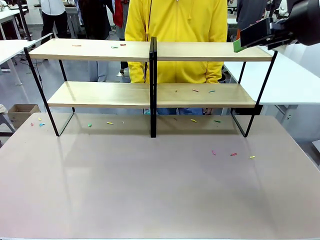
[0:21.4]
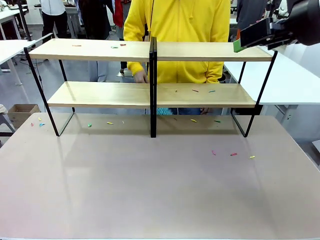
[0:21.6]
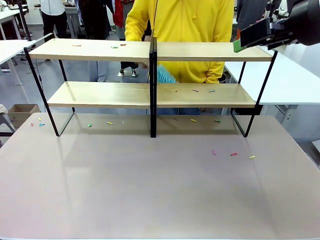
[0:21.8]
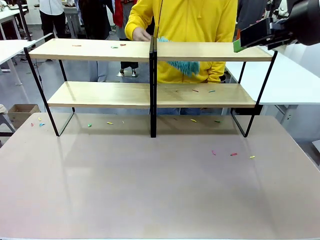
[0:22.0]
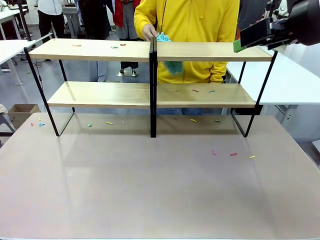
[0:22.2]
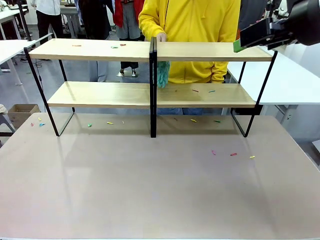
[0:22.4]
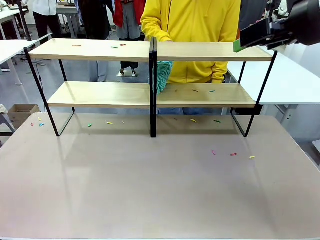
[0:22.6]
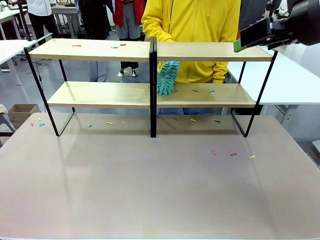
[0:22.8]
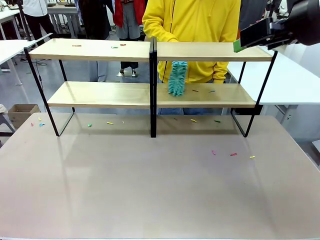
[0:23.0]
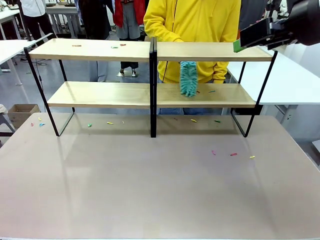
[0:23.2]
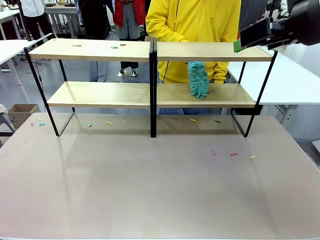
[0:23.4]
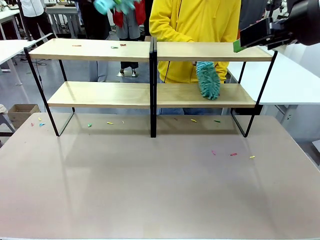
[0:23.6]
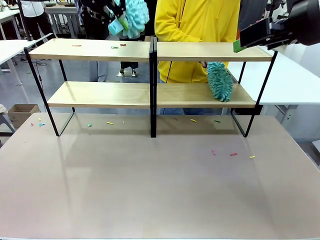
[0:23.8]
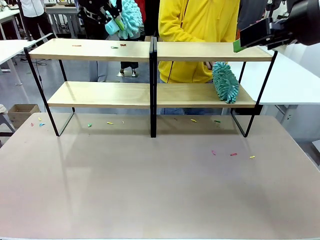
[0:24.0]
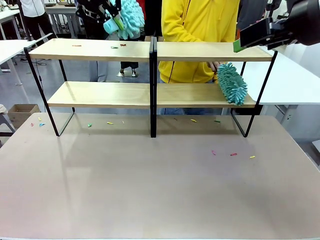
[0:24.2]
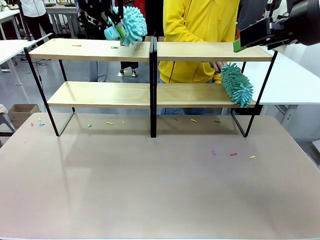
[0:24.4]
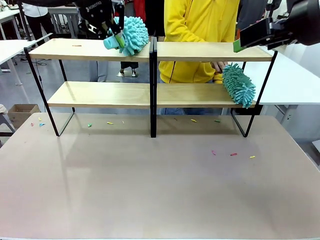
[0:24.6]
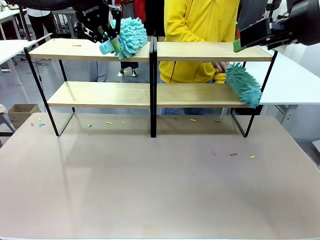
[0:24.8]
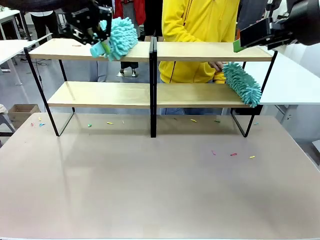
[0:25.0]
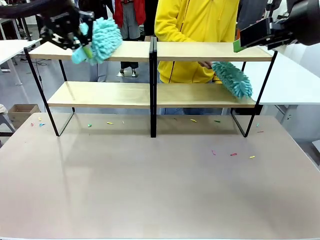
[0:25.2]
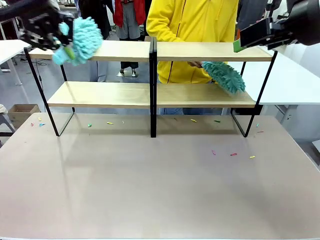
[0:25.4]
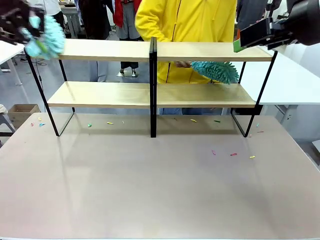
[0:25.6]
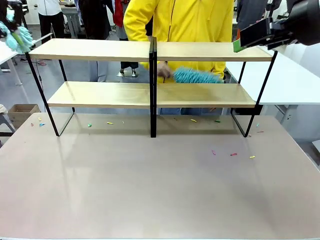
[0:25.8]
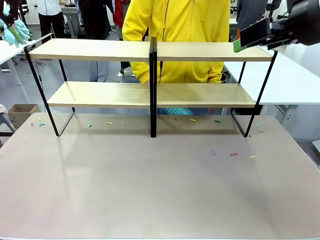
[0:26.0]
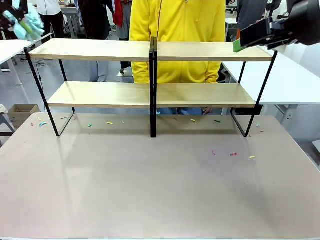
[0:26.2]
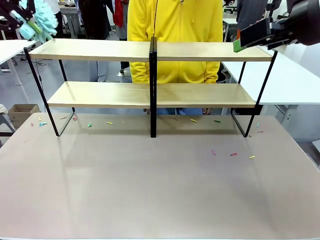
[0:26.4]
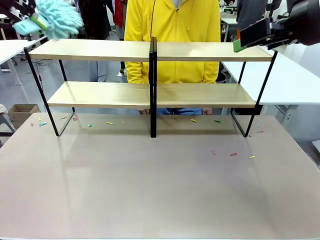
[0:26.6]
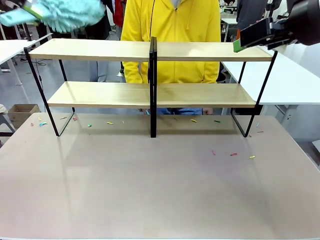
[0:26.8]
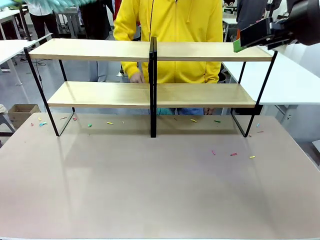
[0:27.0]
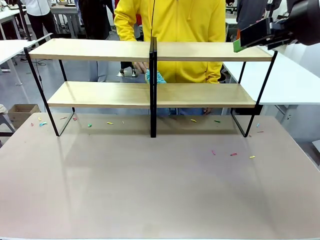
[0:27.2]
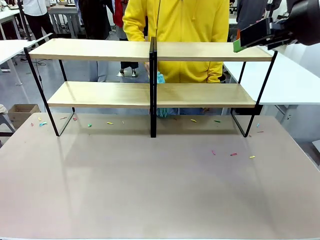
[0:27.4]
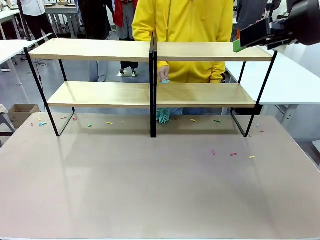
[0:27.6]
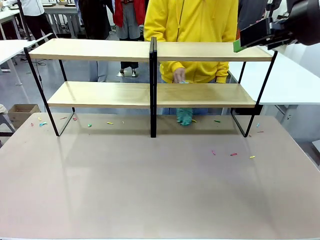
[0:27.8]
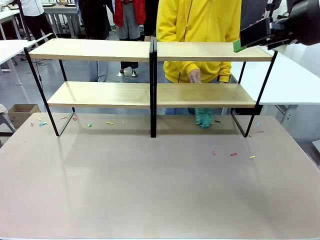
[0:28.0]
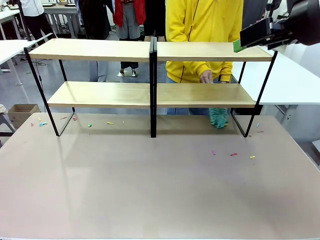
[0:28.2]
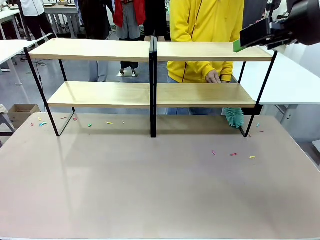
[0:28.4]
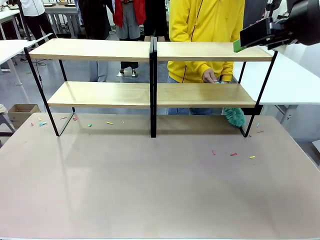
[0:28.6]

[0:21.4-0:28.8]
Task: Clean the shelves.
Robot: Clean another randomly selected level of the Shelf with the Duster.

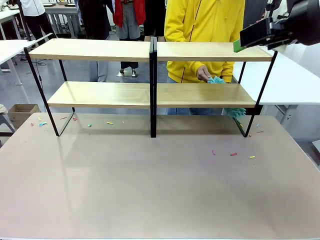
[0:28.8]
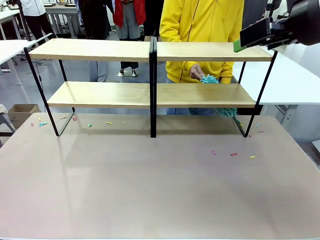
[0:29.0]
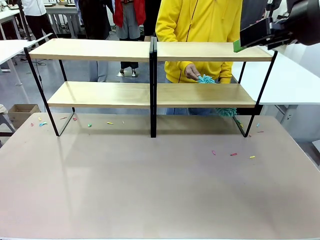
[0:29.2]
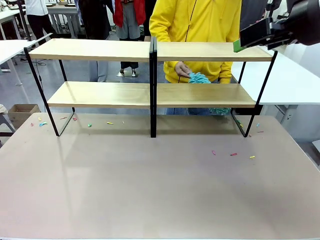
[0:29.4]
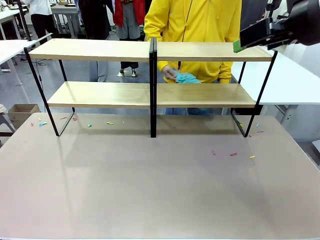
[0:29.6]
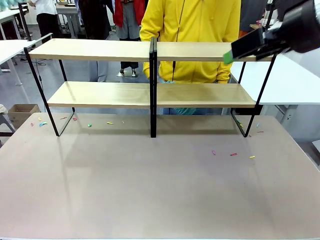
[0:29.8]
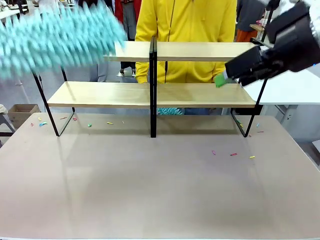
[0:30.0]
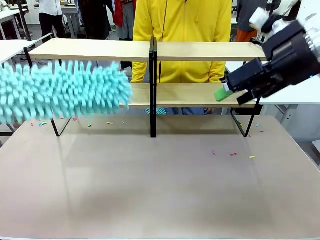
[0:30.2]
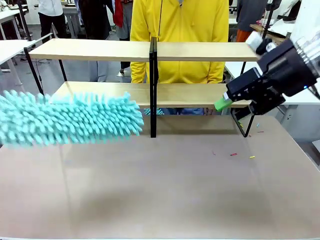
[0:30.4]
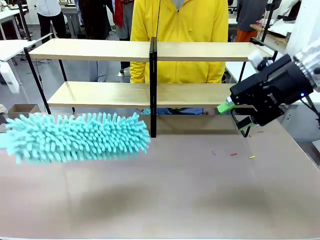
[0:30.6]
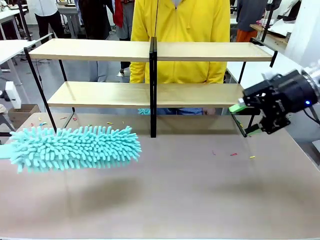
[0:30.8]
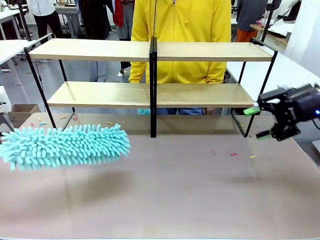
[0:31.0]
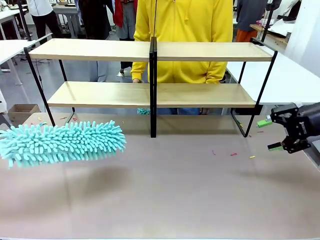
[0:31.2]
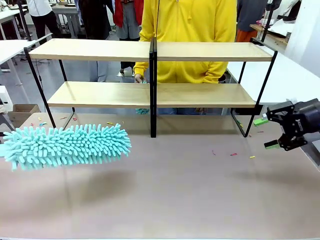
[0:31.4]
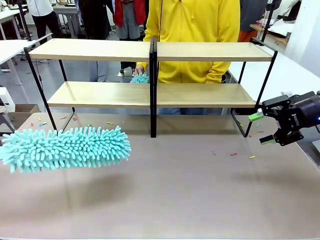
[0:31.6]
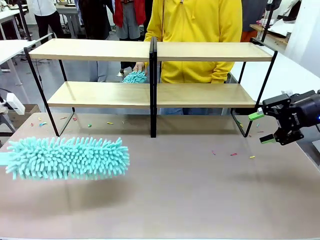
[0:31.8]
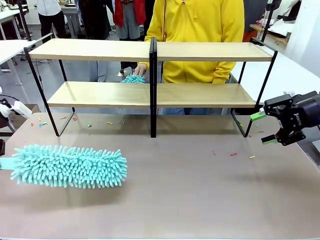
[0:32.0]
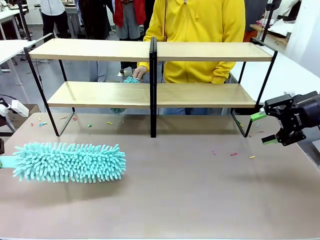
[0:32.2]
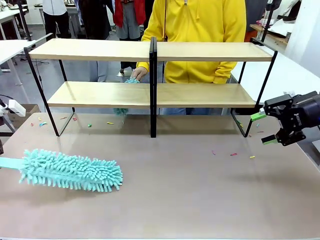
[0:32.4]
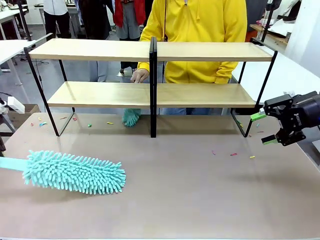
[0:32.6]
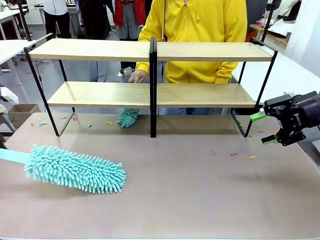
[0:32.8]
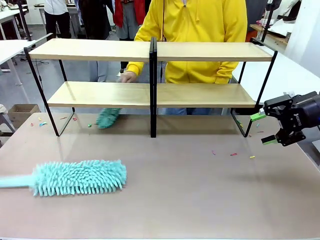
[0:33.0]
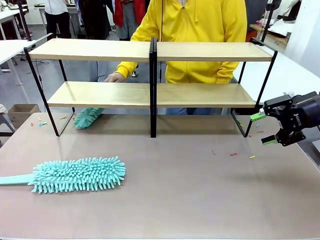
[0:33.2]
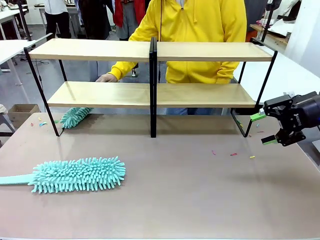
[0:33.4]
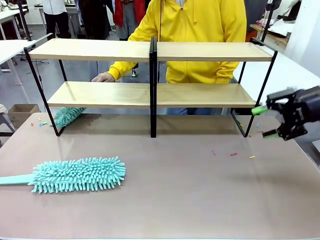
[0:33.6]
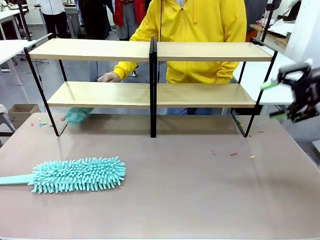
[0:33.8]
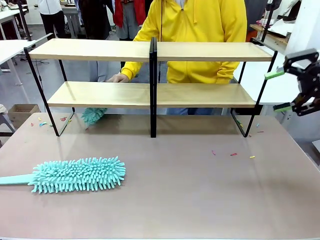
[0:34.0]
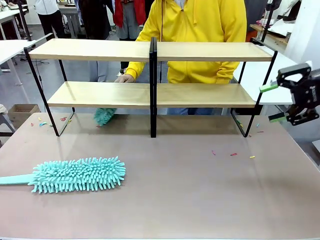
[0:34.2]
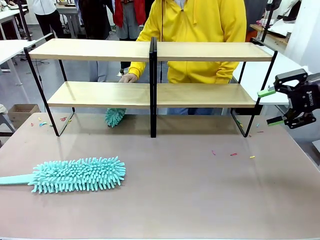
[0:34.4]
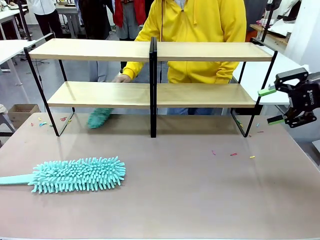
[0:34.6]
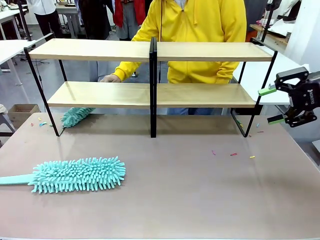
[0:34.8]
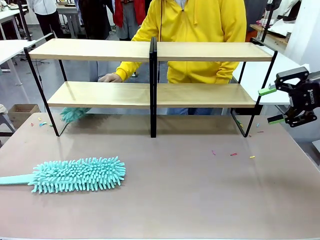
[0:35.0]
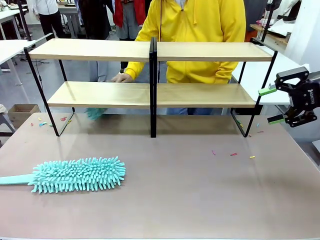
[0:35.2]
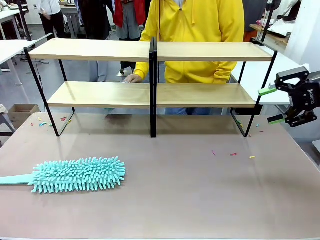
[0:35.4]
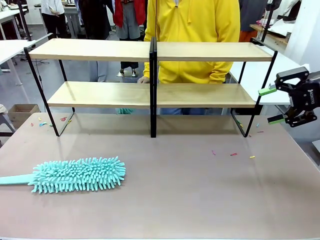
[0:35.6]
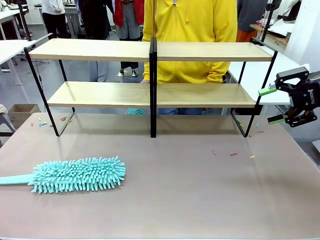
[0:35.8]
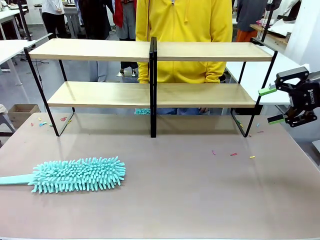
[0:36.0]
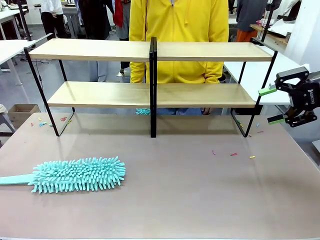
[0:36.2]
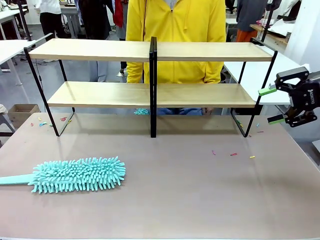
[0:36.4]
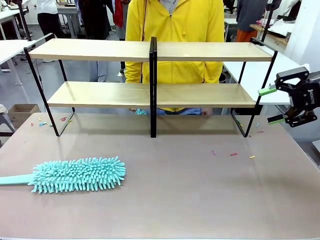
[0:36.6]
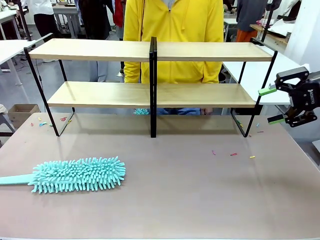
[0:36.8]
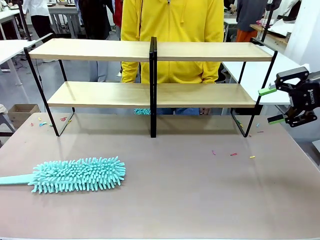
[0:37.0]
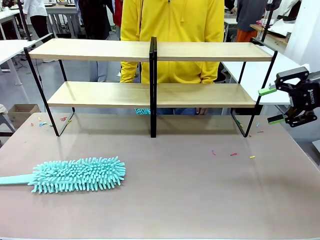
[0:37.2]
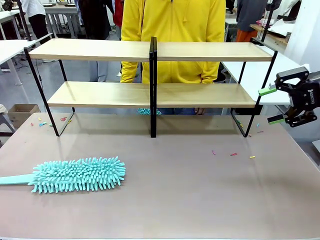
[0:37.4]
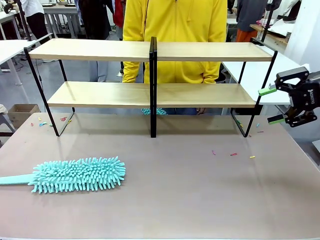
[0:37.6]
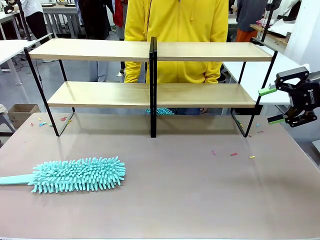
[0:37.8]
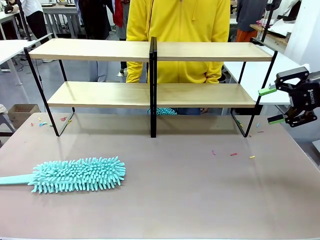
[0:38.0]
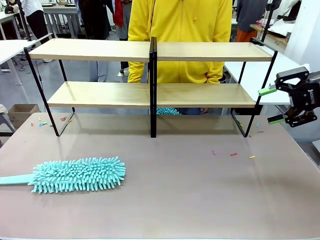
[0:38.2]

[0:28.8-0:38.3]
Robot: Place the Duster on the table.
